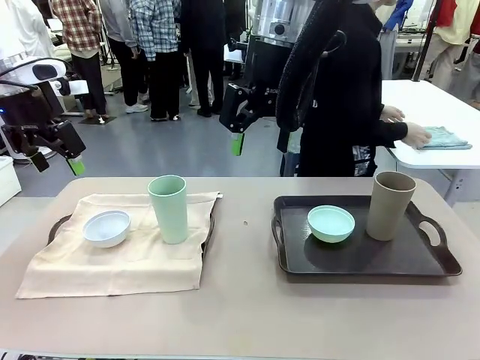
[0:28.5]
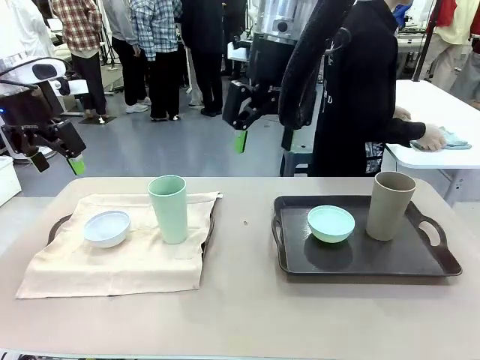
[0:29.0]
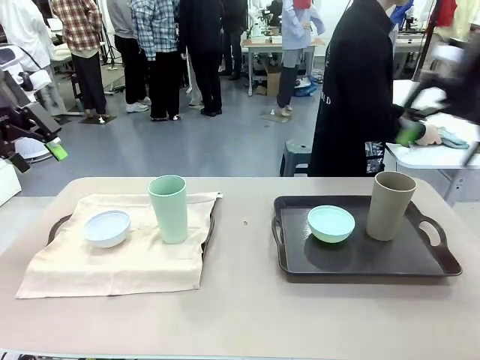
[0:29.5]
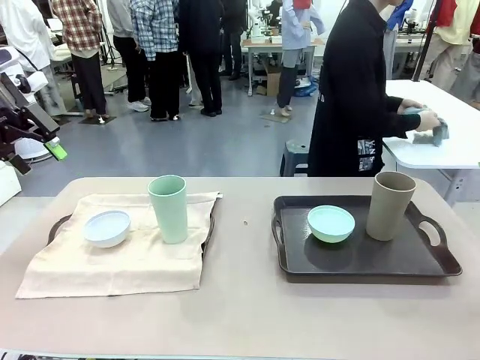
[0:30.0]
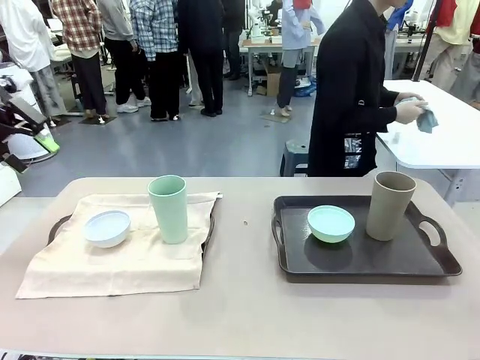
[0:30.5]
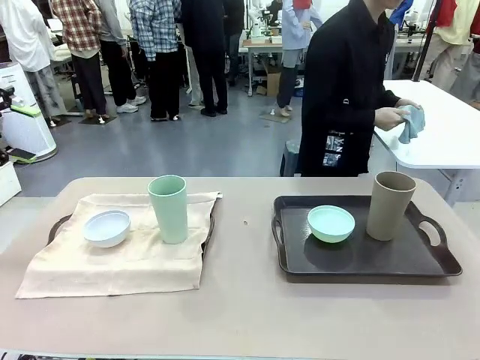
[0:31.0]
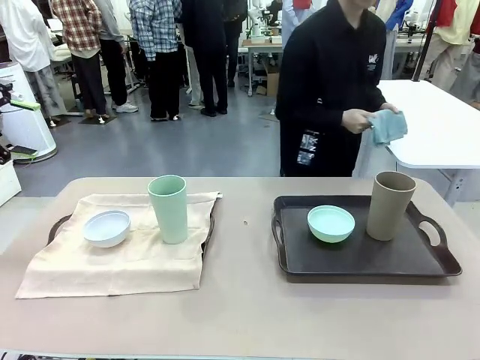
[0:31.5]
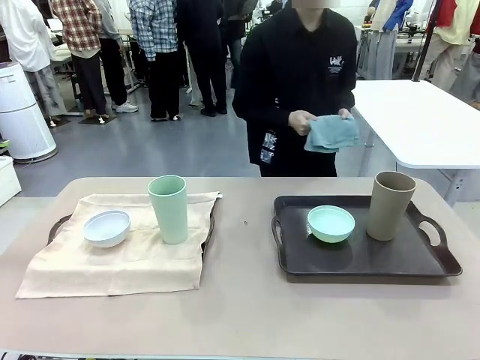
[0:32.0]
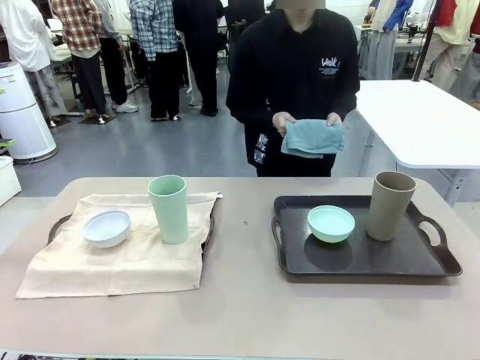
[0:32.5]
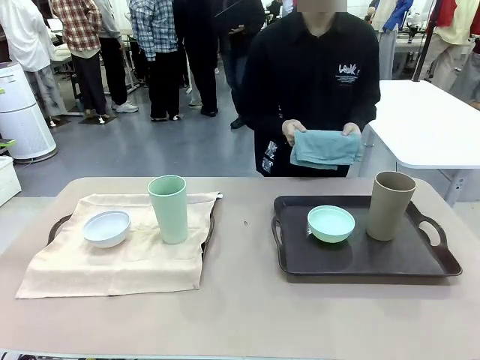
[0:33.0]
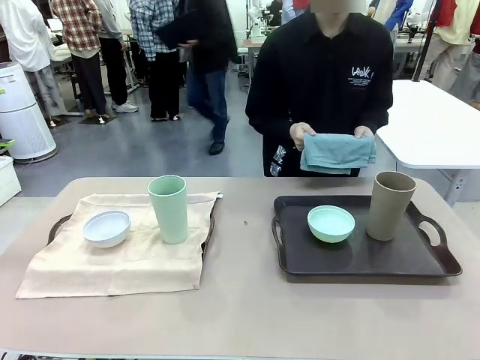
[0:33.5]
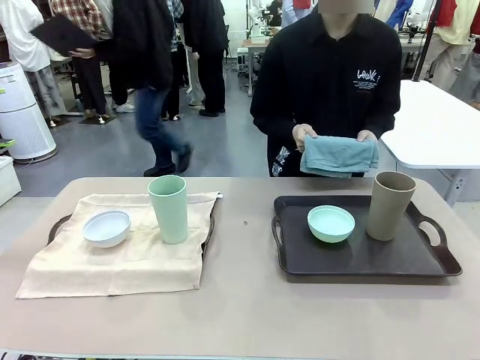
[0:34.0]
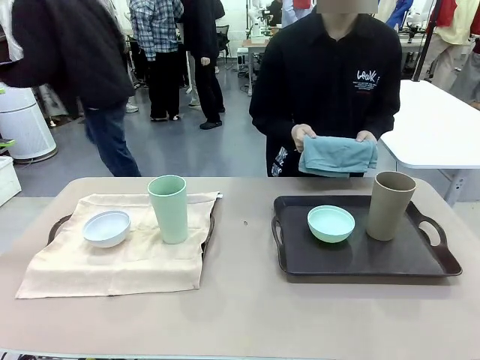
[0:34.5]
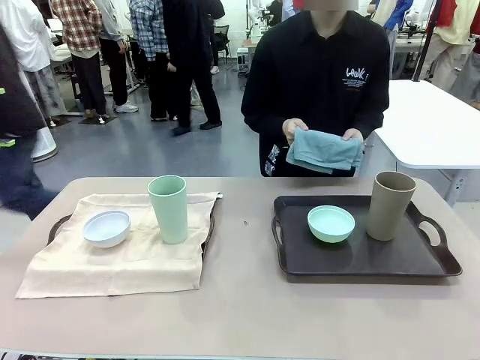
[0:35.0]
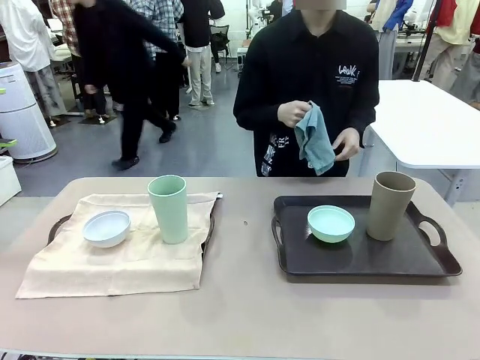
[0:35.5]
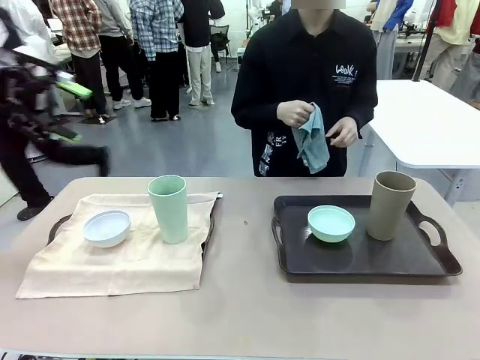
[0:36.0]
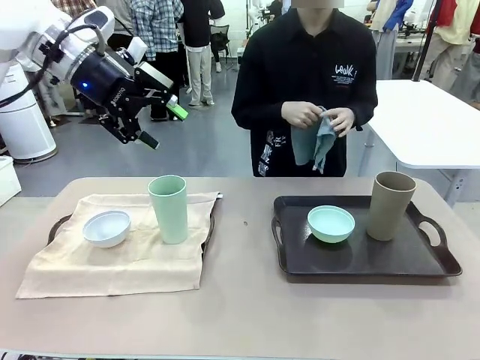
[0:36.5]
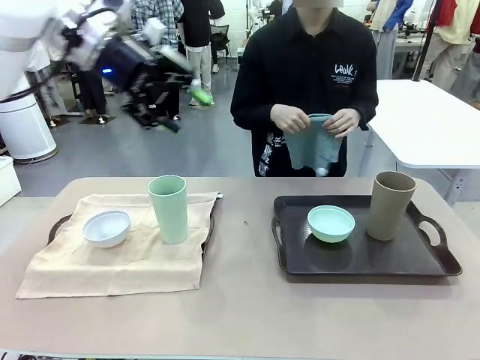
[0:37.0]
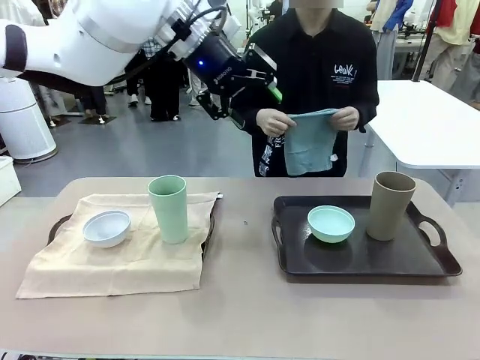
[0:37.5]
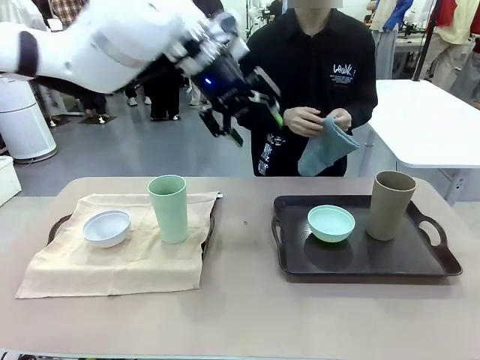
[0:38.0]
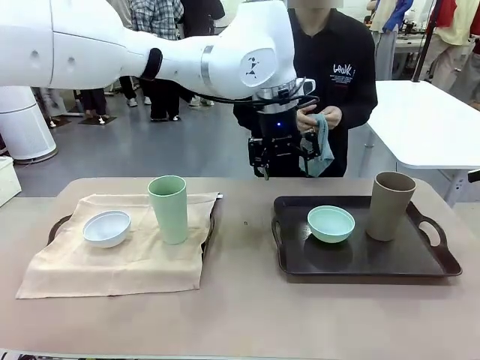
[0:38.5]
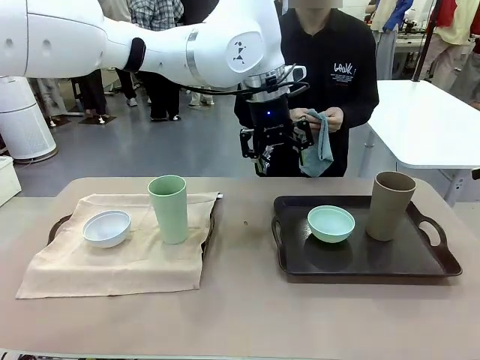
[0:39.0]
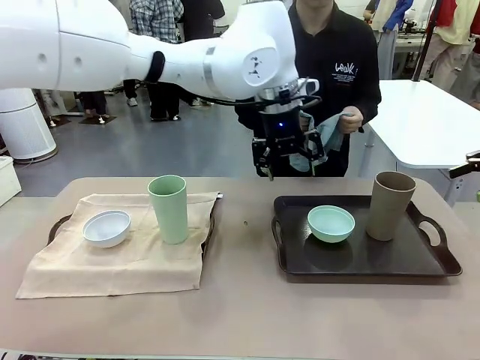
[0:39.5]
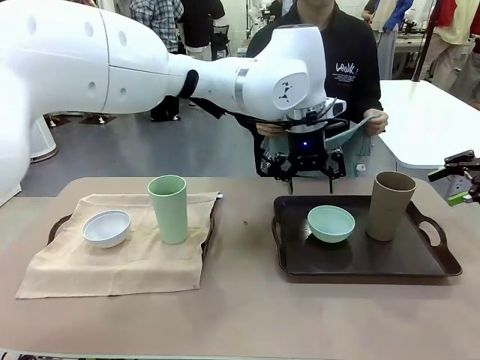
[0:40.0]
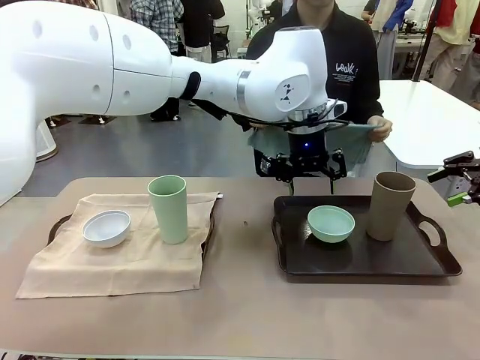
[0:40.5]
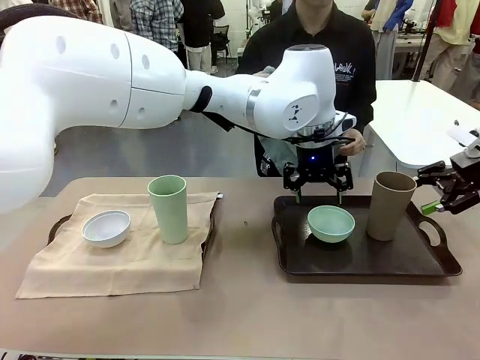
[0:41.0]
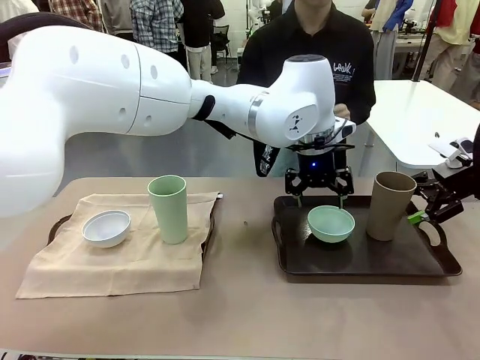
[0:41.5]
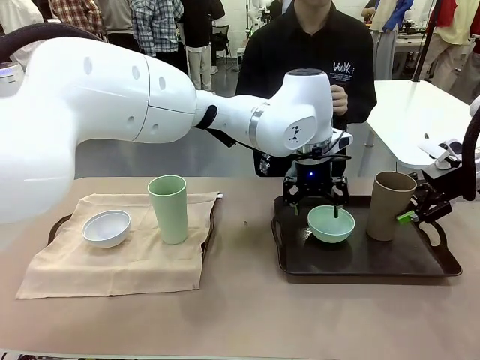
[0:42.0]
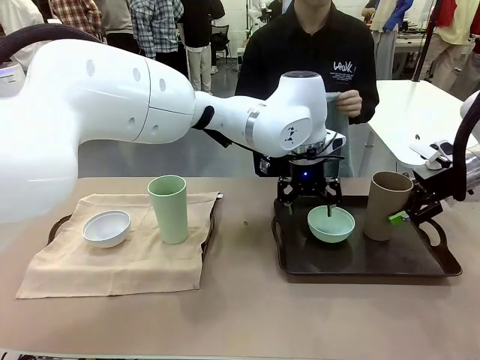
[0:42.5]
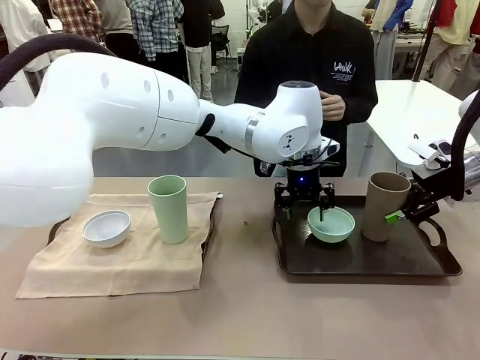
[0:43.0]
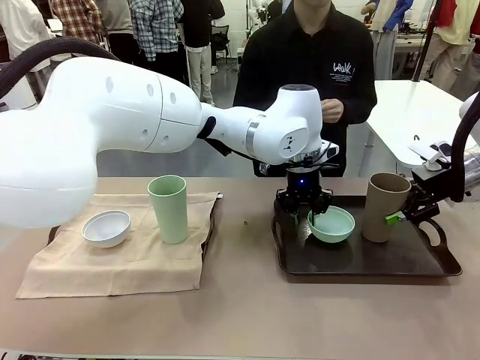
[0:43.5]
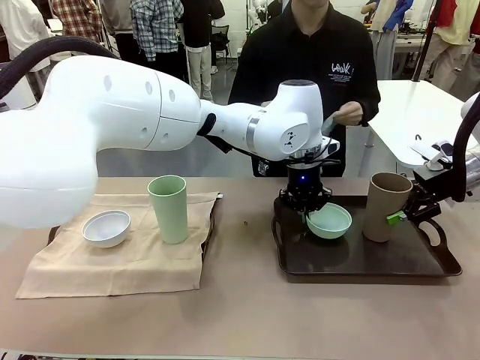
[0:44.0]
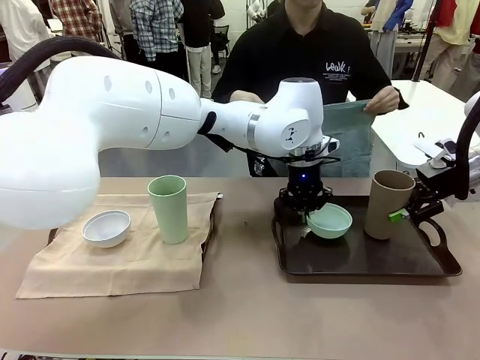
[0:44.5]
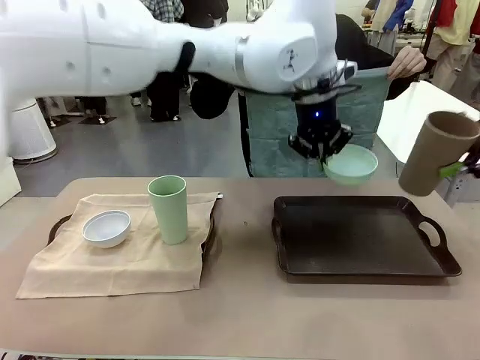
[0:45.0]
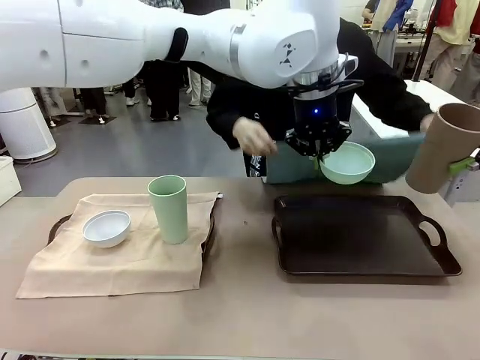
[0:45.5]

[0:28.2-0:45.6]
Robot: Pick up the Picnic Bowl and Reusable plastic cup from the Handle tray in front of the human's position and hold them in the air.
Person: The human returns to the human table to pick up another napkin and walks to the robot table to stand in front of the tray without a napkin. When the robot lifts the bowl and the cup, the human unfolds the napkin and lays the napkin flat on the tray.

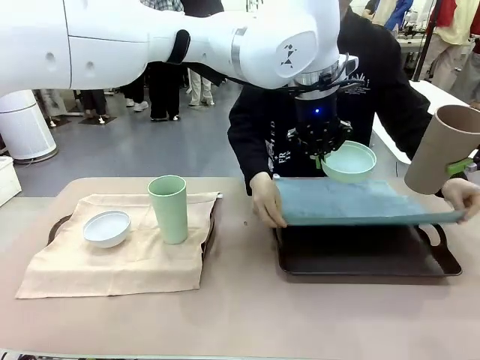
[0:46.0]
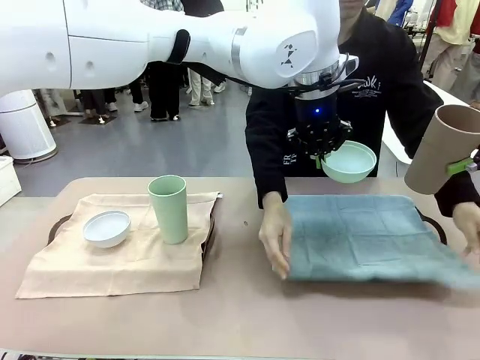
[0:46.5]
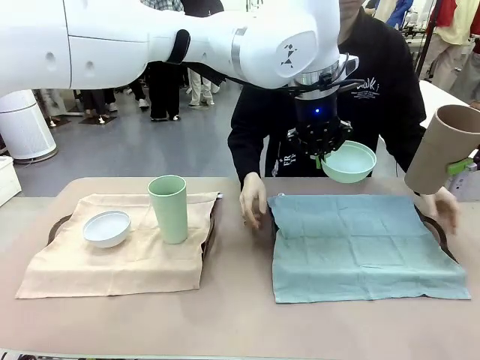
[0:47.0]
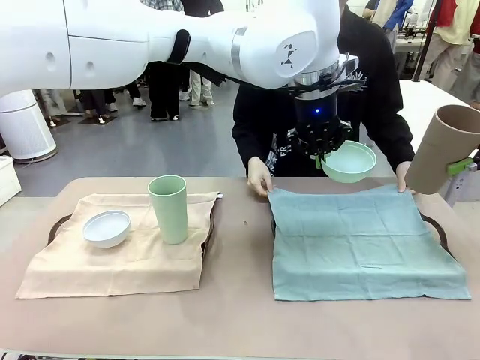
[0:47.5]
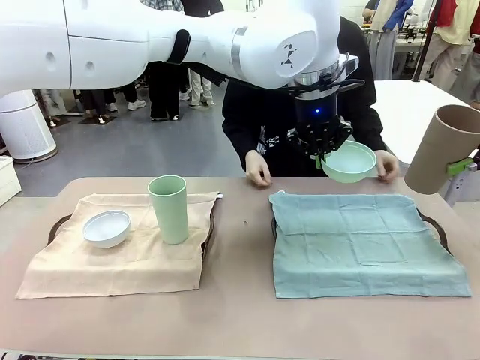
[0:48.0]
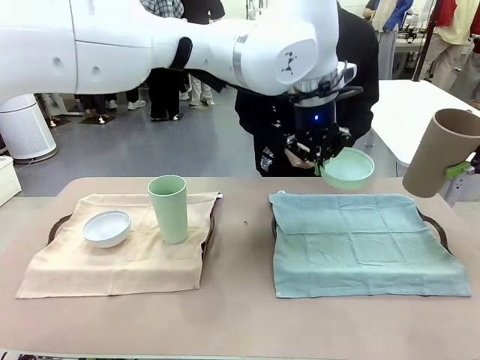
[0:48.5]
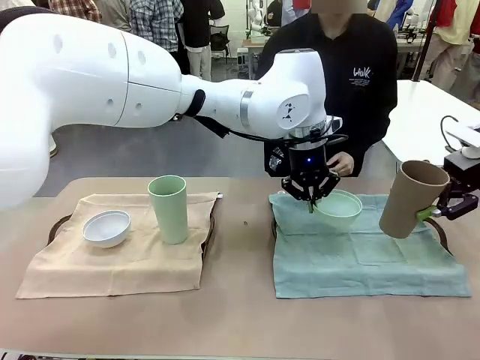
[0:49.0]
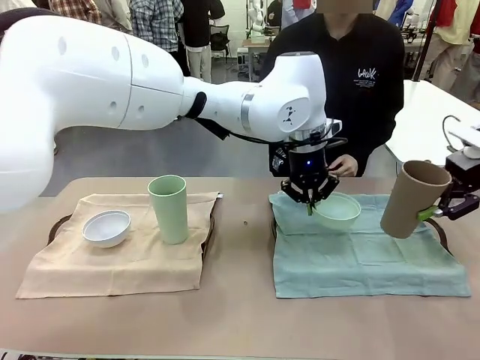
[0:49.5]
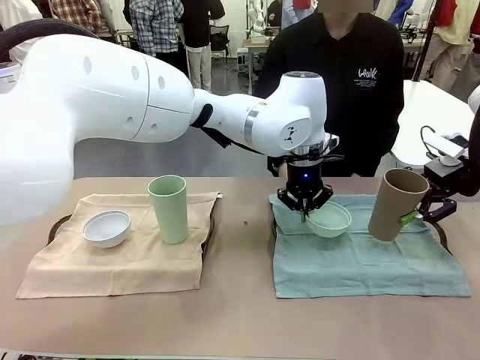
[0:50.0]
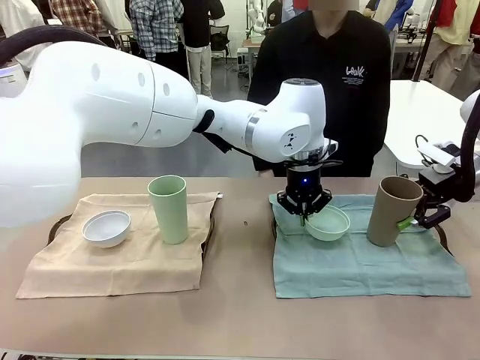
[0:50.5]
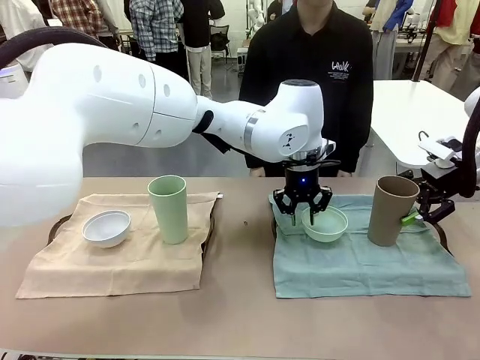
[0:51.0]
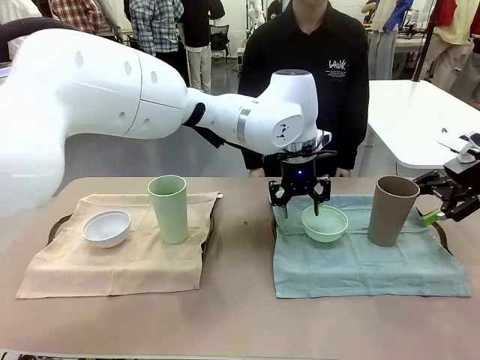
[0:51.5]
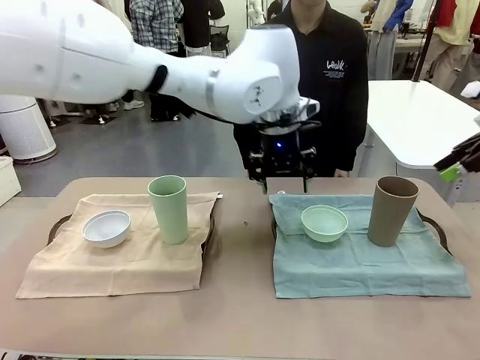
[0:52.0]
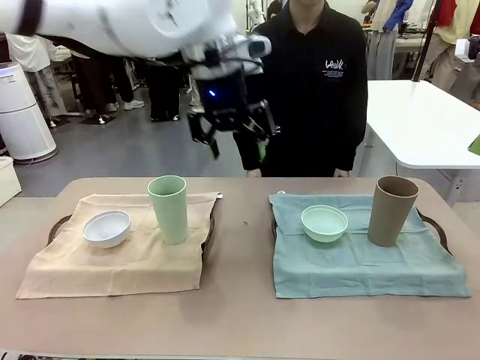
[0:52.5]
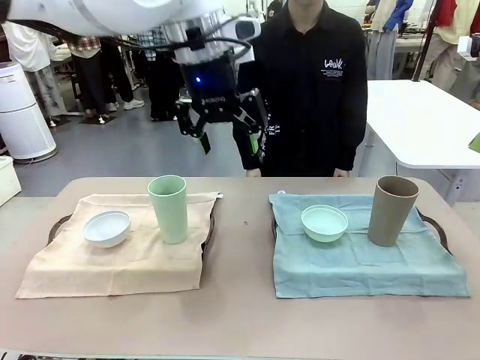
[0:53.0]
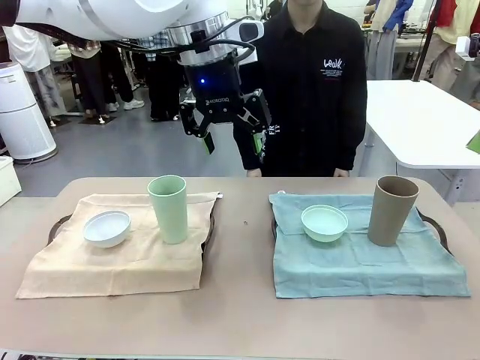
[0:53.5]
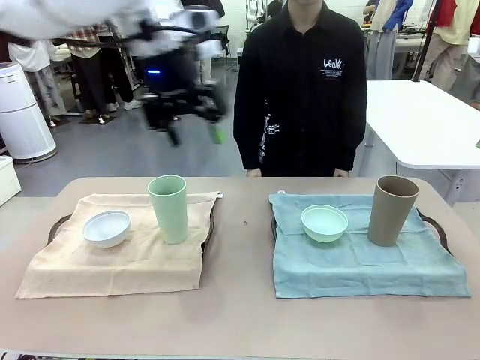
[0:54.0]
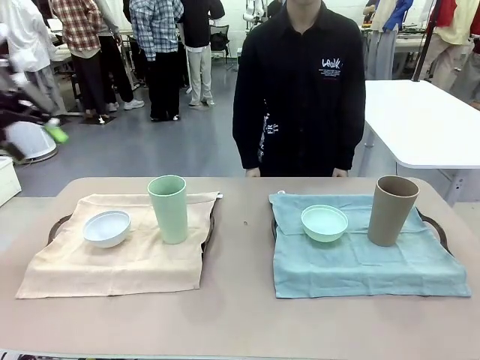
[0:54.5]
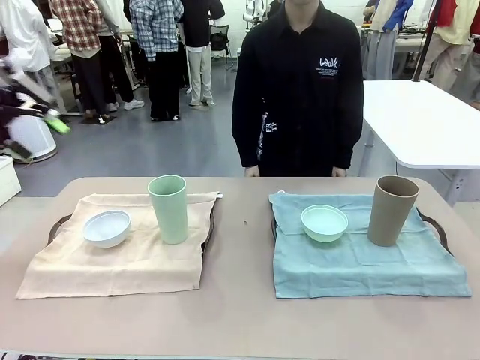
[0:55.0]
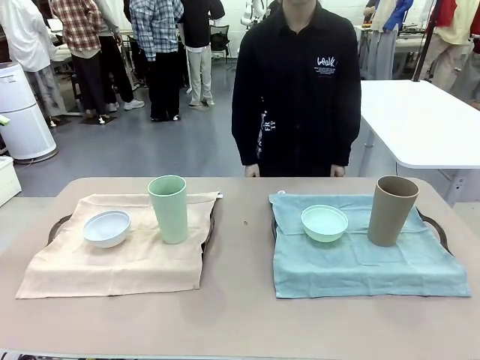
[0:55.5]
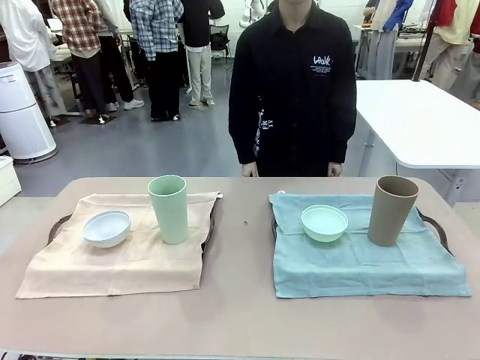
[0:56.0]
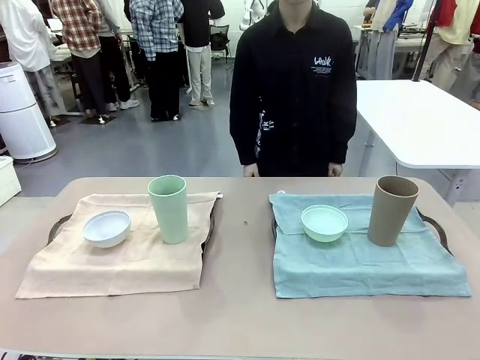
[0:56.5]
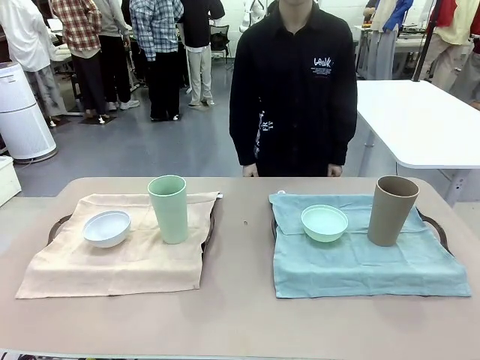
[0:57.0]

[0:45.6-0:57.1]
Robot: Place the Picnic Bowl and Reusable plastic cup back onto the Handle tray in front of the human's position.
